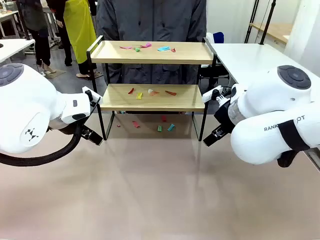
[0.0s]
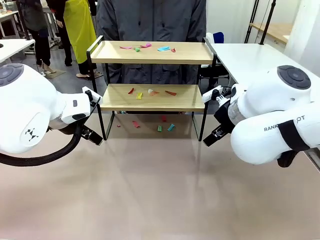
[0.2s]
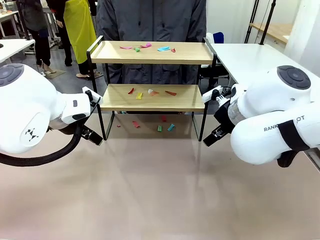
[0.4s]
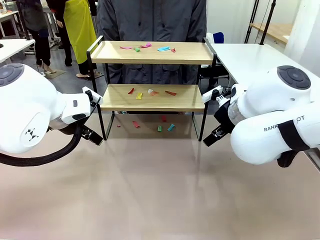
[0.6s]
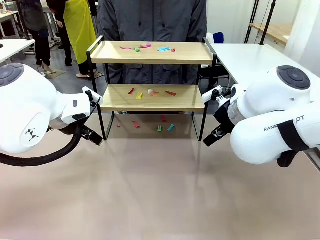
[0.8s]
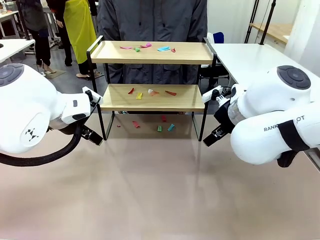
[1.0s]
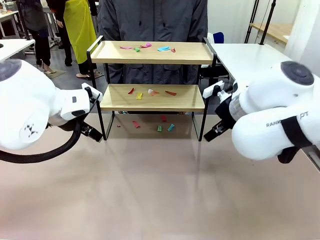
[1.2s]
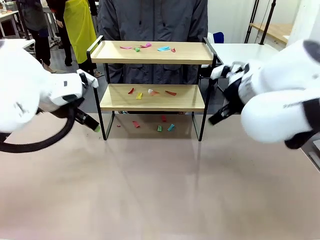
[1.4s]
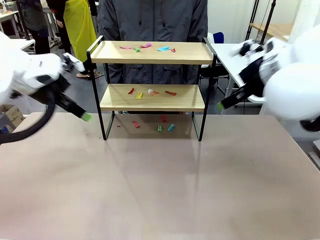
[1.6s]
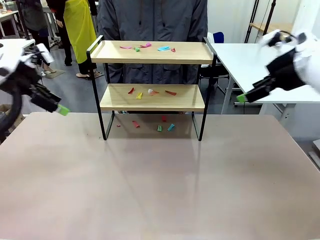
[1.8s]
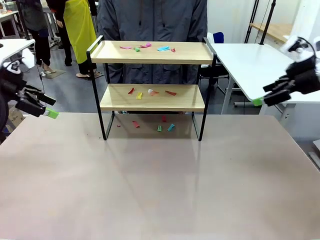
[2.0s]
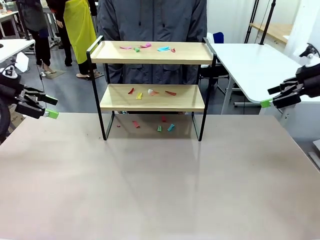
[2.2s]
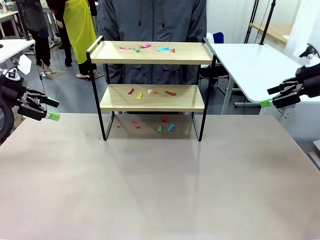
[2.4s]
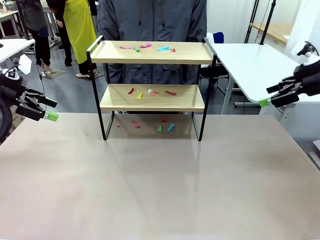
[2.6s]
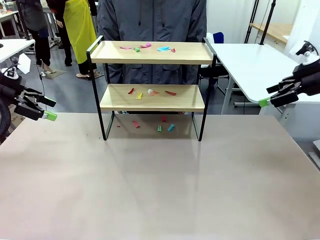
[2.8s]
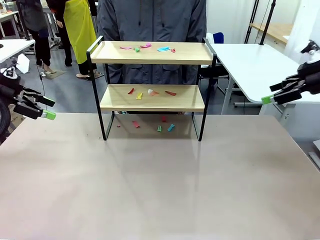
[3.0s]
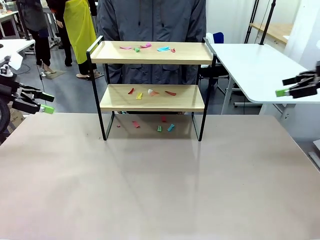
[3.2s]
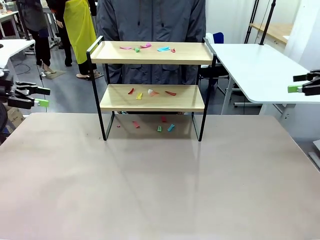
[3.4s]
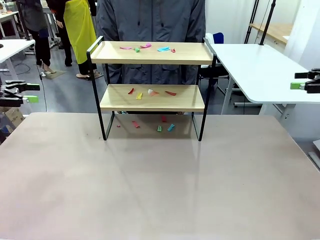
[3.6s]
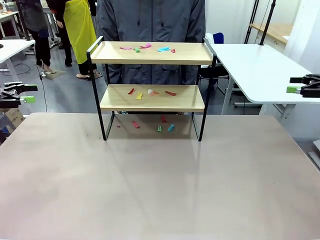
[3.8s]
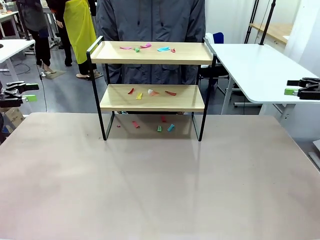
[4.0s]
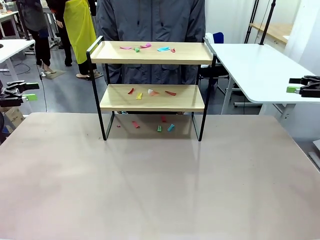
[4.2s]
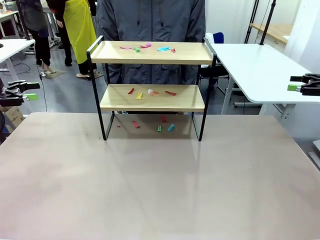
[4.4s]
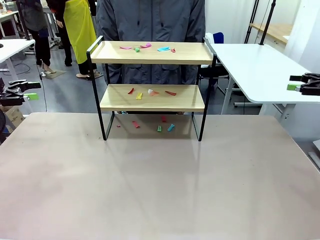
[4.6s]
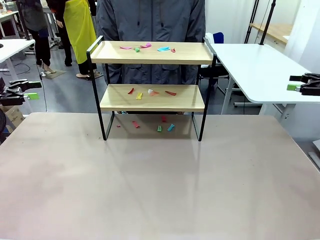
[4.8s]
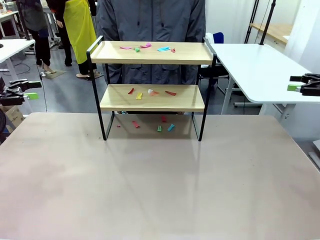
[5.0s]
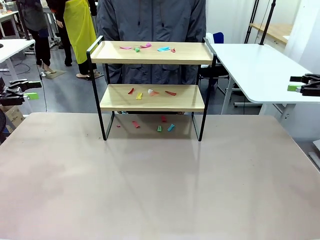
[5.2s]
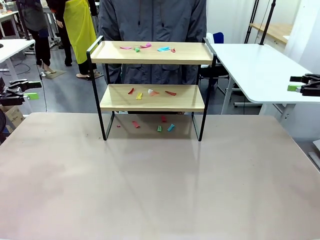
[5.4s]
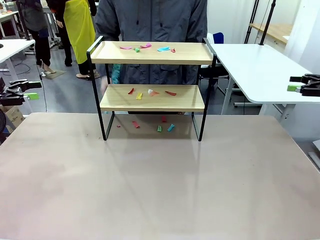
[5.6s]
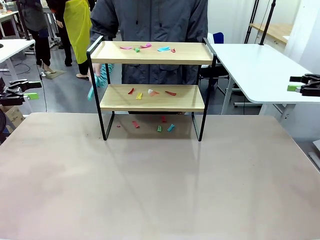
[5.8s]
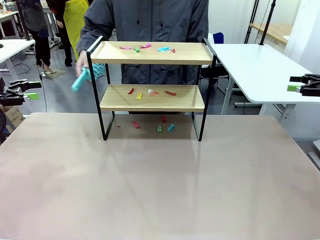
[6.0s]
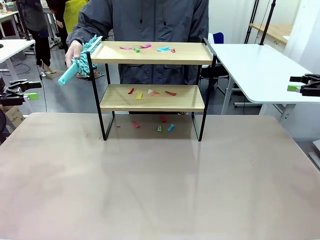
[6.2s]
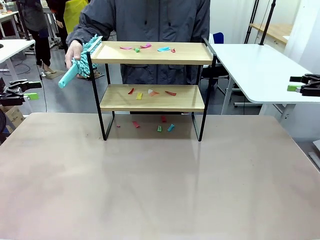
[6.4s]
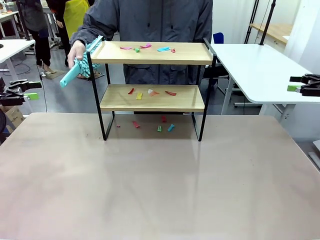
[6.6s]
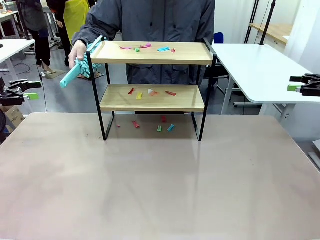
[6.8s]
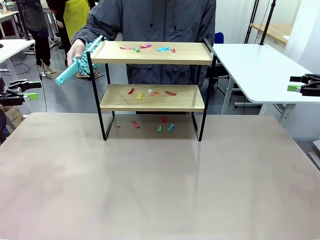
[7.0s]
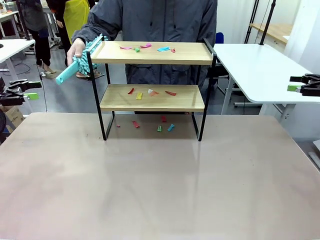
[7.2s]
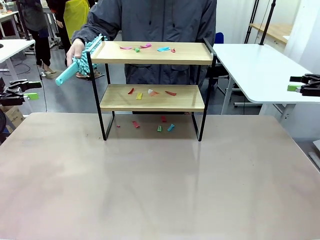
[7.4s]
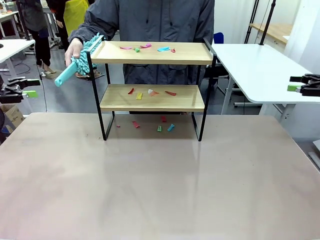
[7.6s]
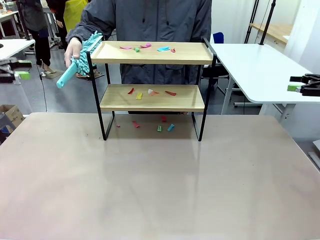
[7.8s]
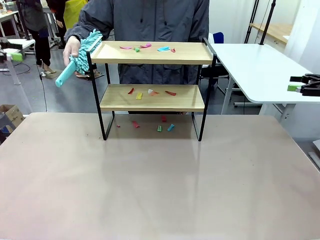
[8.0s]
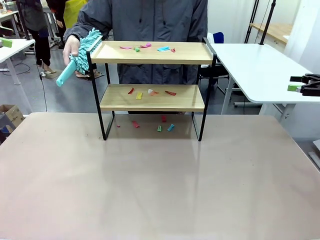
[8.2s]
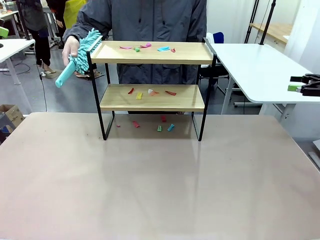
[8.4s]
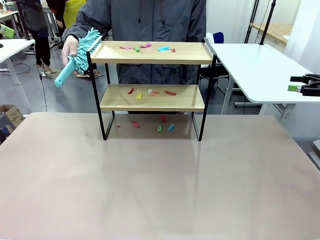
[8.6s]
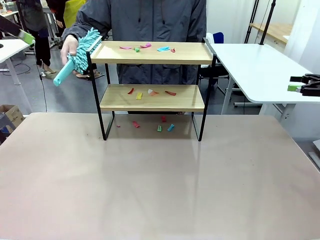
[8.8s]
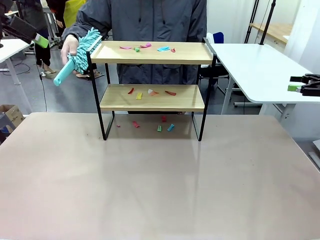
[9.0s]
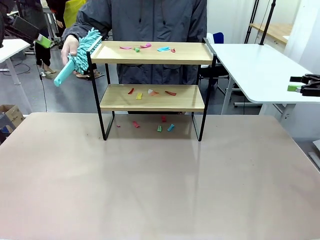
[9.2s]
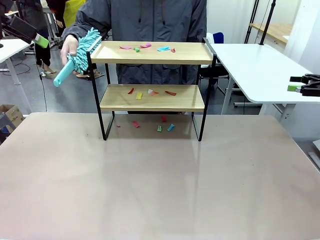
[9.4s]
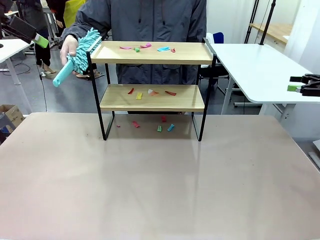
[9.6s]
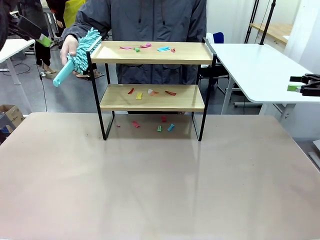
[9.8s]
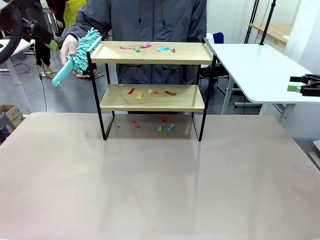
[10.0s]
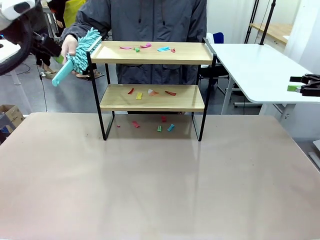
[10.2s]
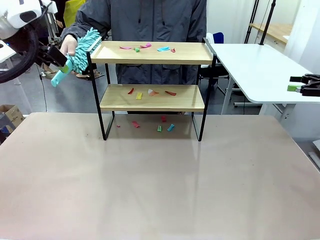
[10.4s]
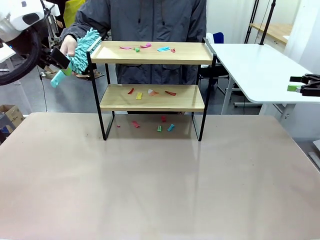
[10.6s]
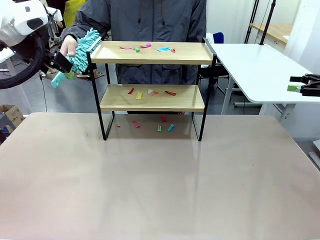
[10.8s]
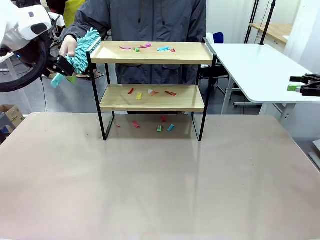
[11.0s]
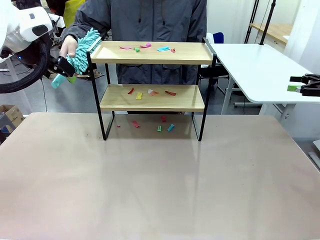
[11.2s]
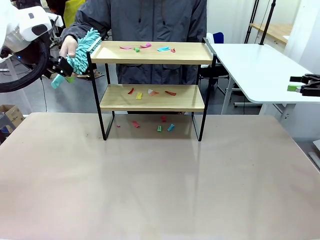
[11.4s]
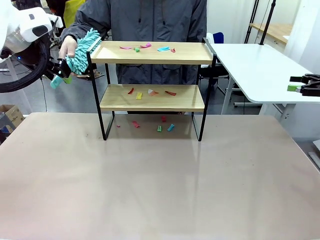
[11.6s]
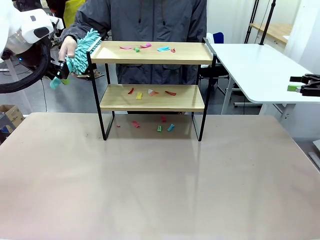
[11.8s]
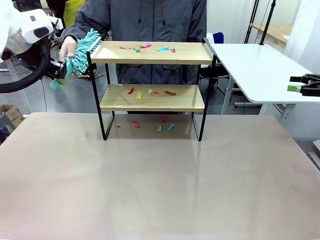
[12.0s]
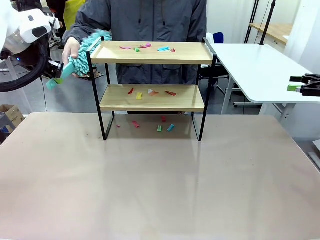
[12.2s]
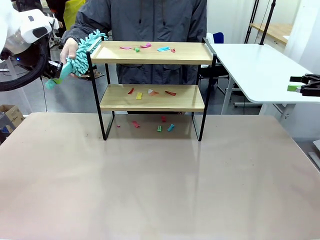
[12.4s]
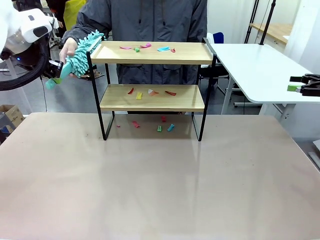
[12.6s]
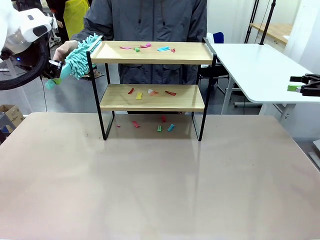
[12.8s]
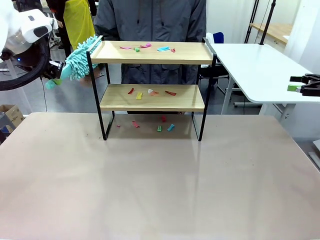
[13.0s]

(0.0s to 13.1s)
Task: Clean the shelf.
Robot: Pick up the Duster handed by the human.
Person: Hand the Duster to the robot.

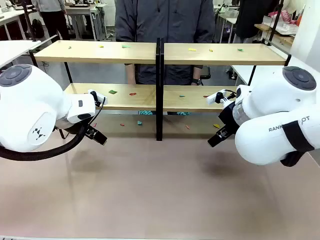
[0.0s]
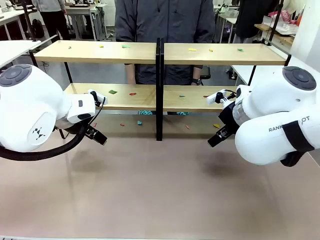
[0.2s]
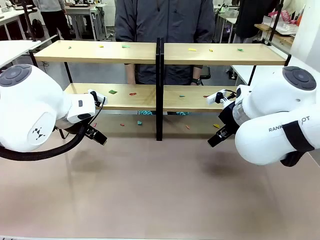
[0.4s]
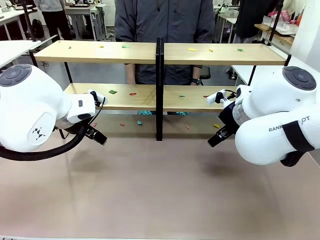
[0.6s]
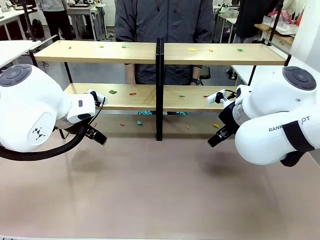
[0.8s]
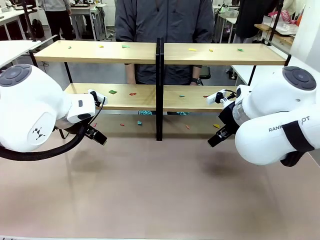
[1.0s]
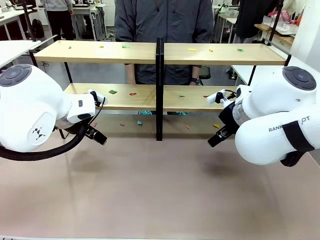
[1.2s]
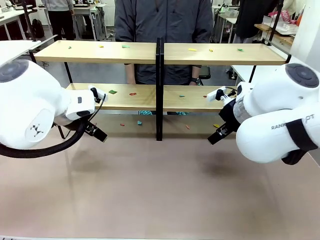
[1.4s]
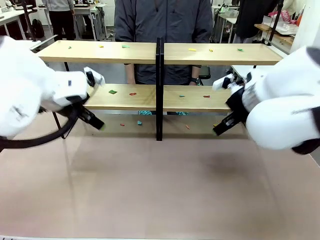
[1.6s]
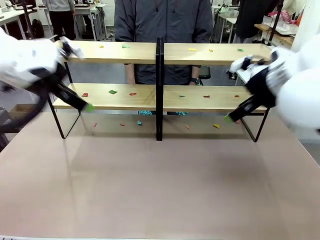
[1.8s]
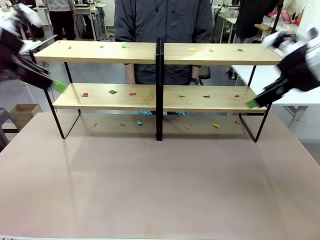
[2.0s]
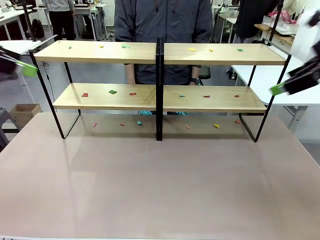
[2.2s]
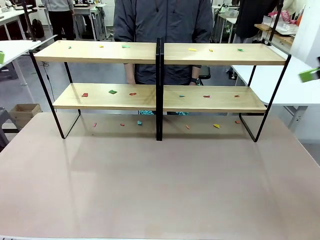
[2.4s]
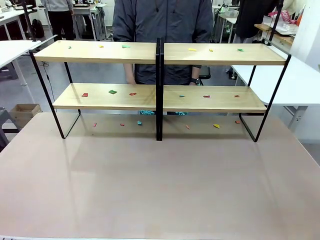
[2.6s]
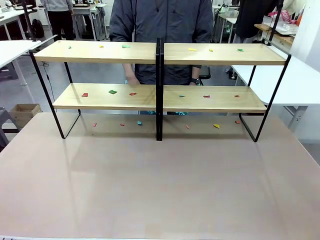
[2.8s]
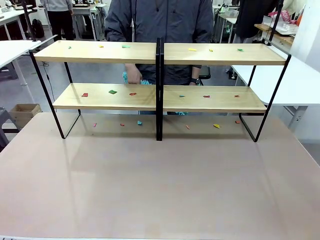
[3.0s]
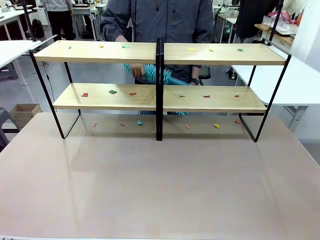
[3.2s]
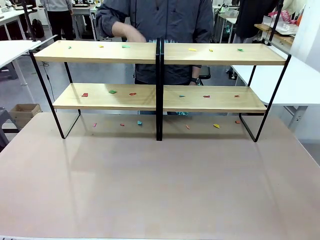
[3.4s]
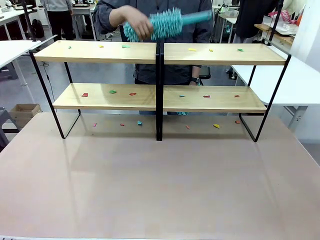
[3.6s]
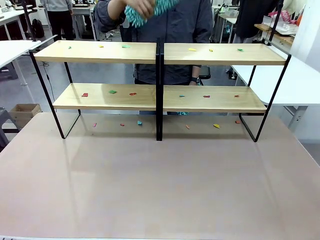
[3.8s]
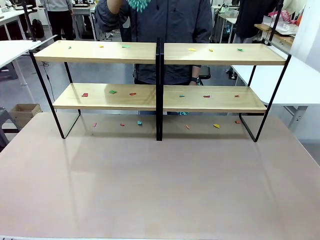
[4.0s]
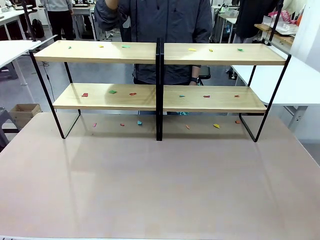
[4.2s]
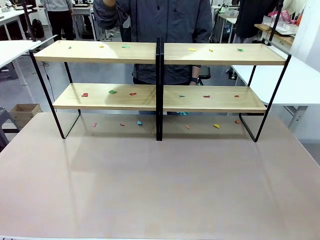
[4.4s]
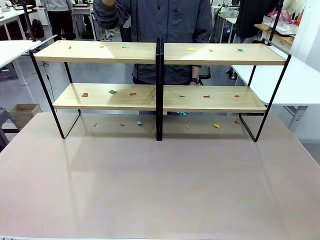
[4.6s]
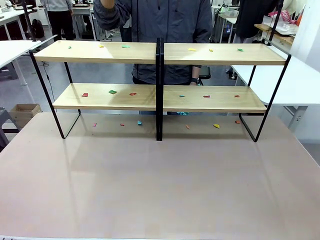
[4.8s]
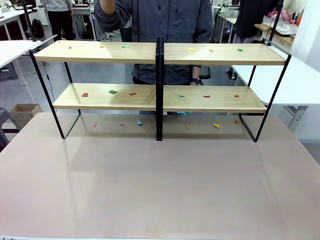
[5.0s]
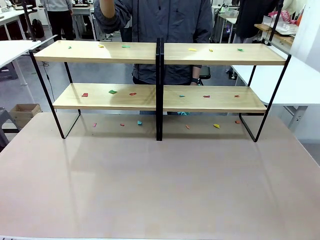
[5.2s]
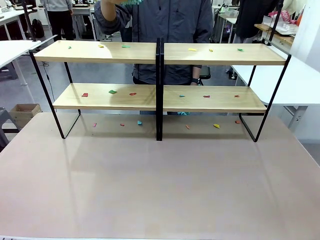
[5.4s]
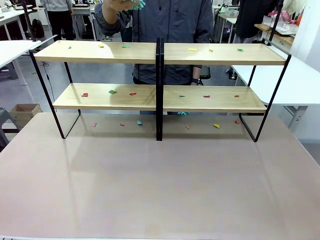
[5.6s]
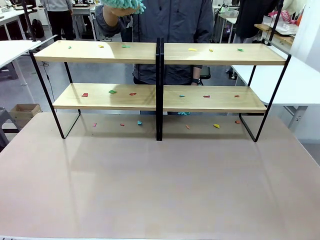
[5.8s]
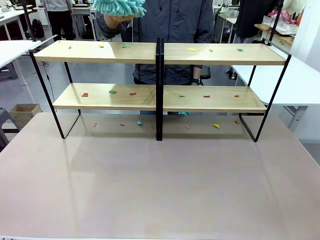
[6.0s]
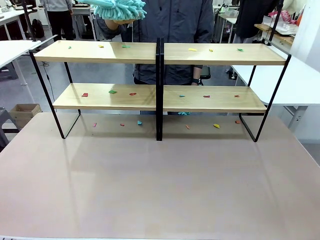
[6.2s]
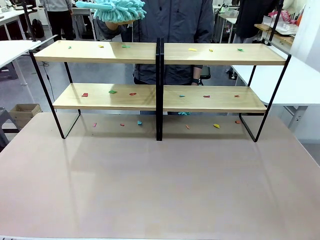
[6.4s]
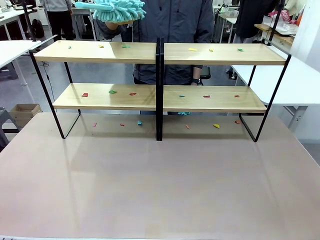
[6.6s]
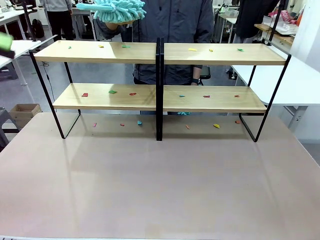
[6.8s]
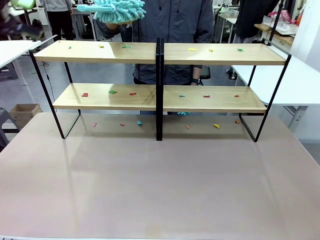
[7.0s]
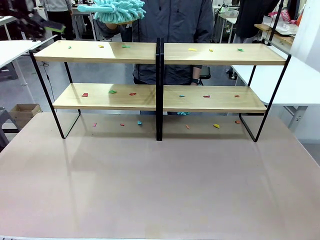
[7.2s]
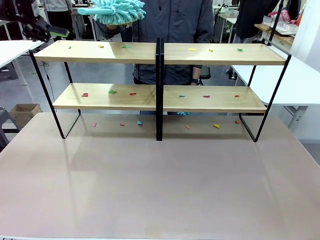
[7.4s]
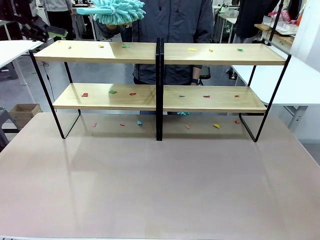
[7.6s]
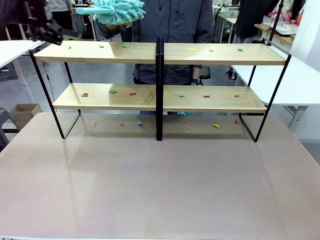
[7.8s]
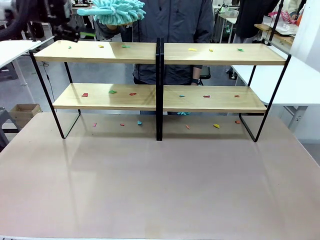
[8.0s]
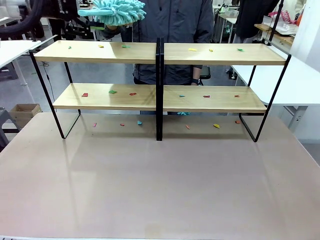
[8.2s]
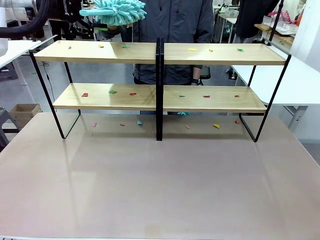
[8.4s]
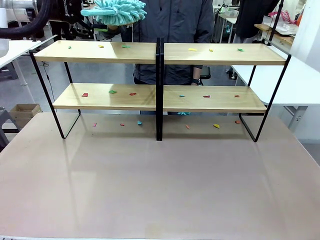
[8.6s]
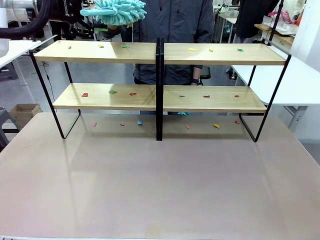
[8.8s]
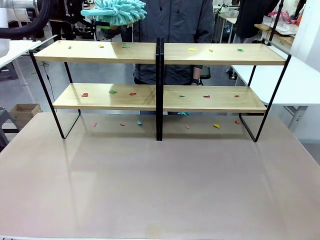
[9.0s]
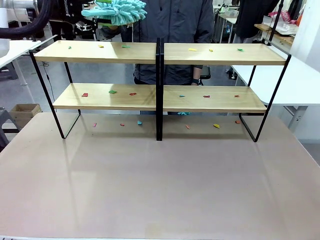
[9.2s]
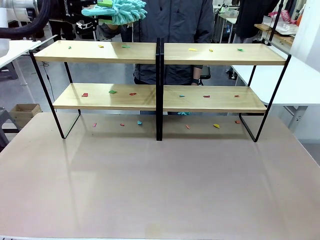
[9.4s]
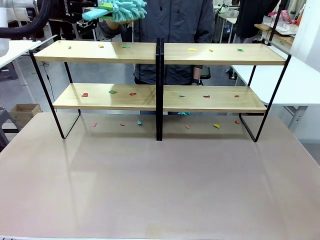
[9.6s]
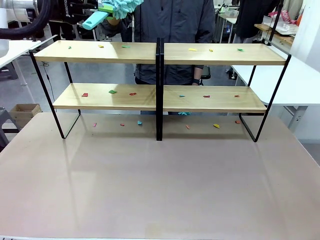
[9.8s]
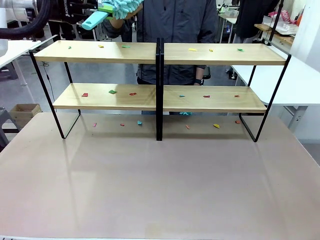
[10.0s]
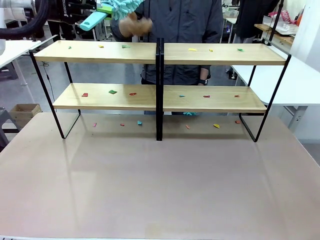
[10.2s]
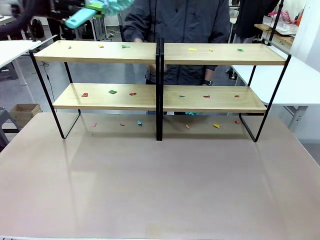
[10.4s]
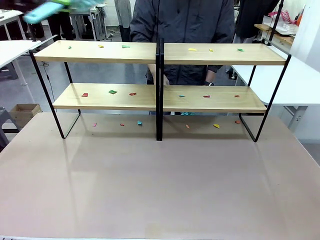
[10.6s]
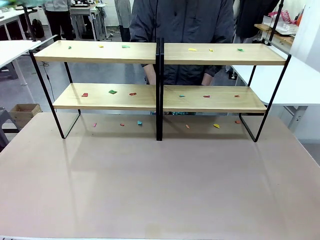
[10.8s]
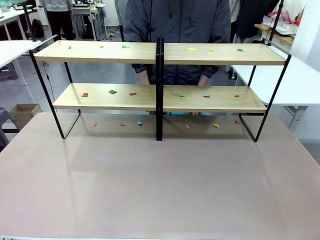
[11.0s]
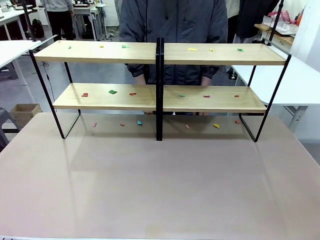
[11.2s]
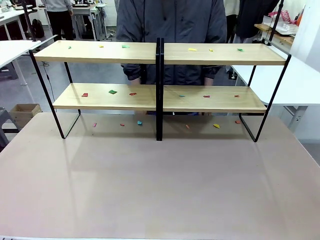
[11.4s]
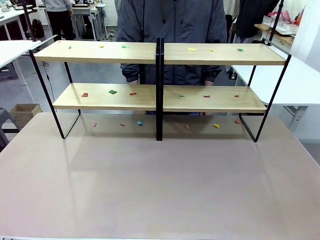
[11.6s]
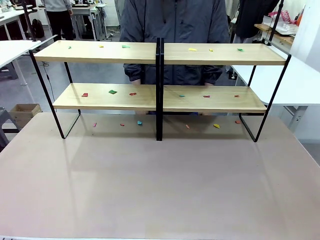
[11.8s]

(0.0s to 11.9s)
Task: Clean the shelves.
Robot: Pick up the Duster when the human hands it over.
Person: Hand the Duster to the robot with your right (or left) hand.
